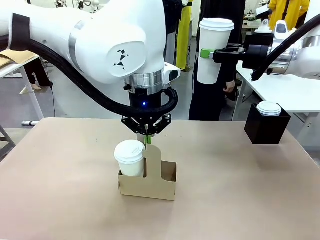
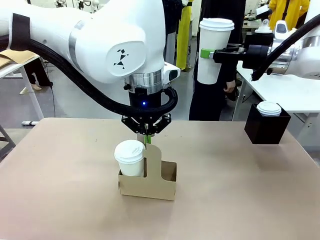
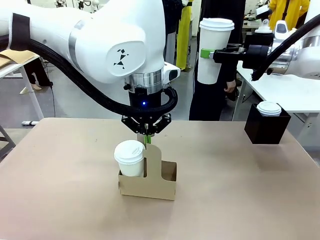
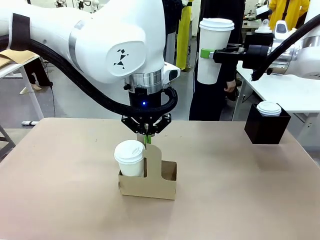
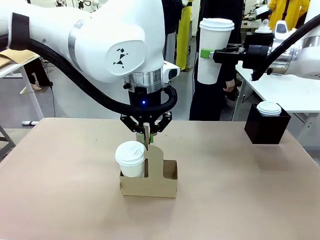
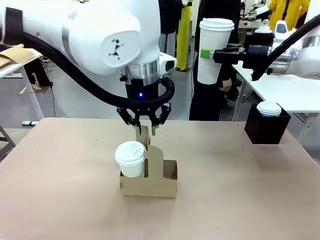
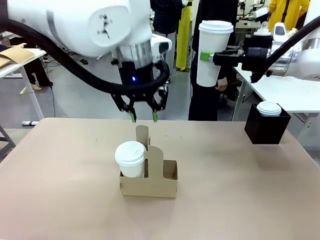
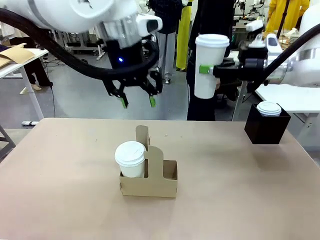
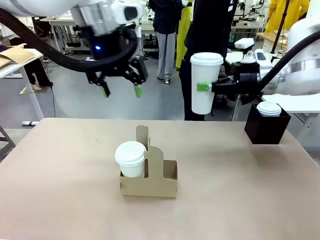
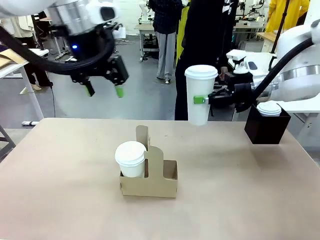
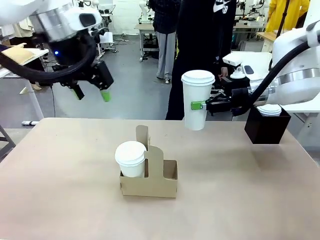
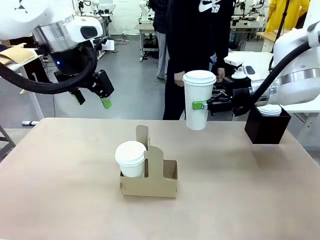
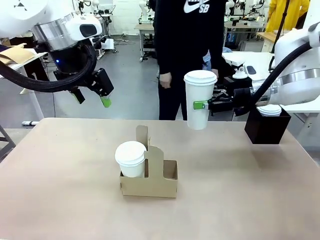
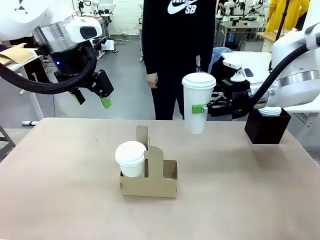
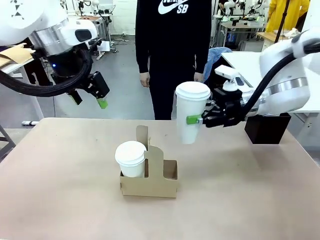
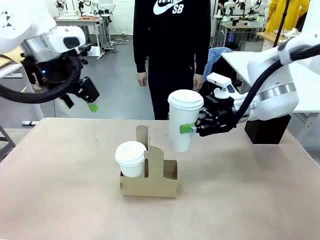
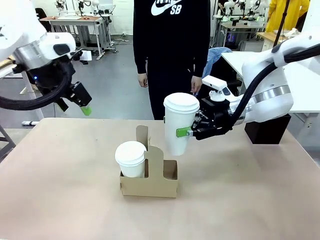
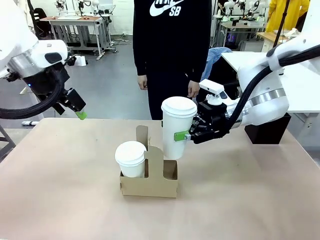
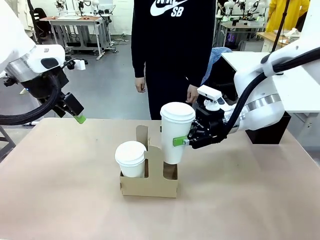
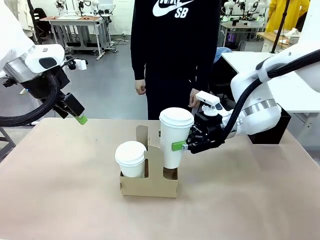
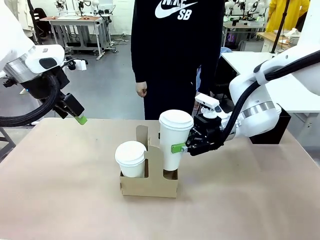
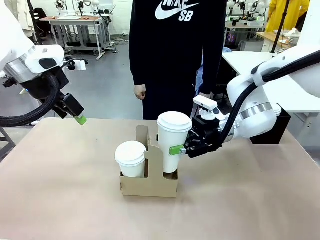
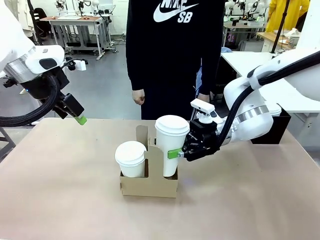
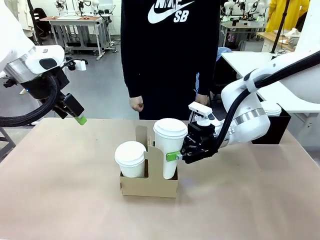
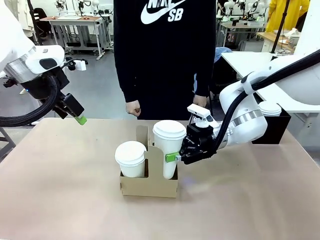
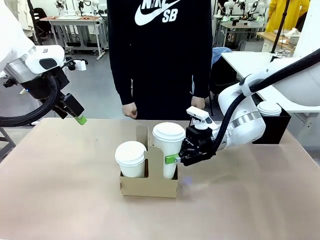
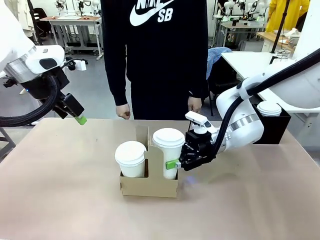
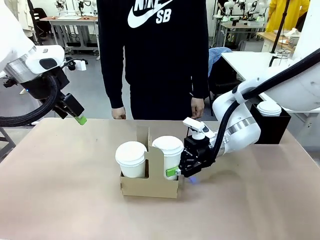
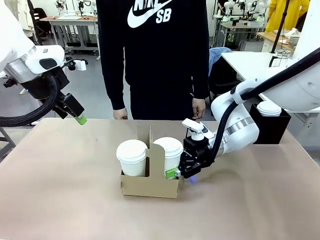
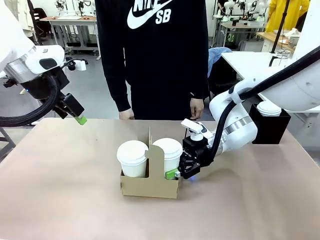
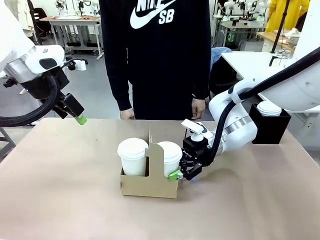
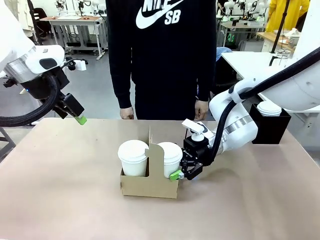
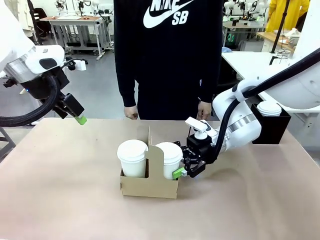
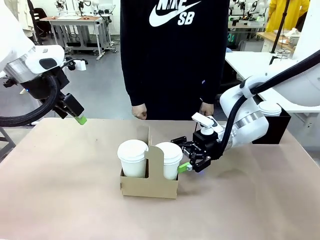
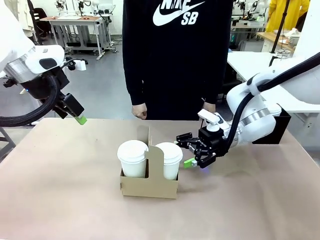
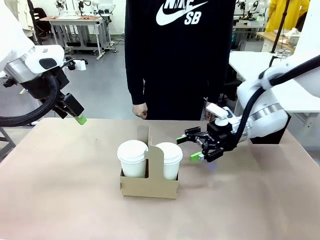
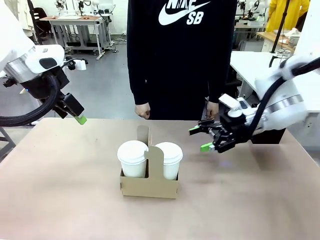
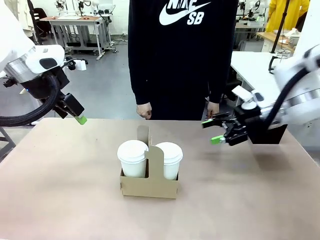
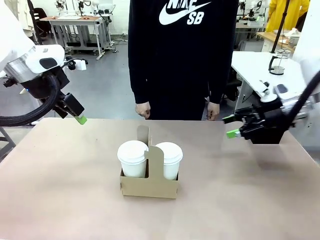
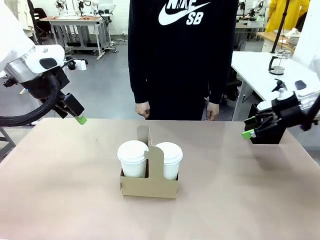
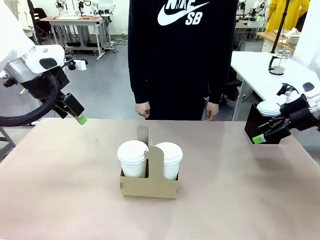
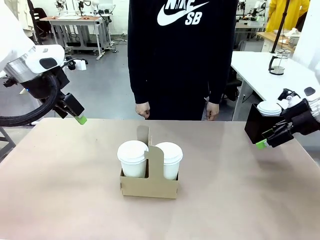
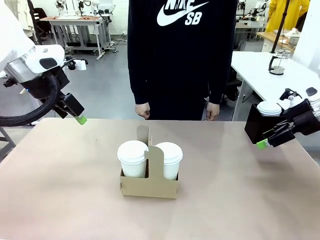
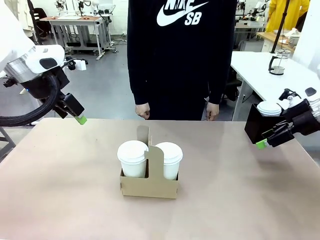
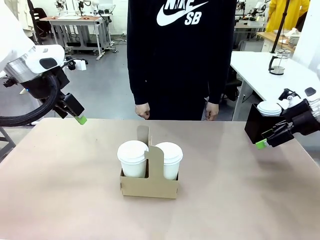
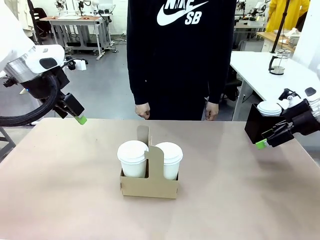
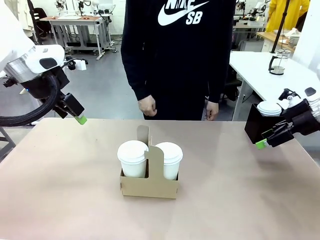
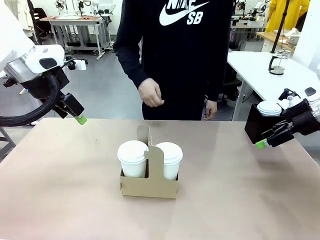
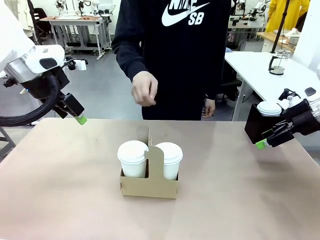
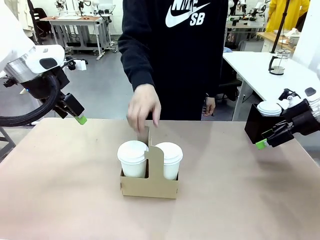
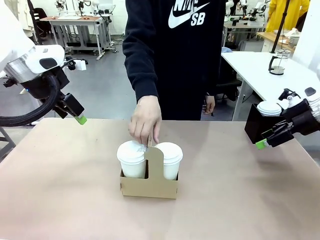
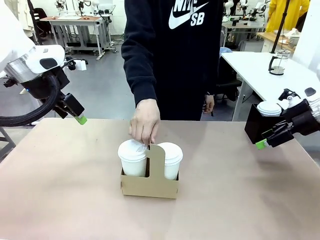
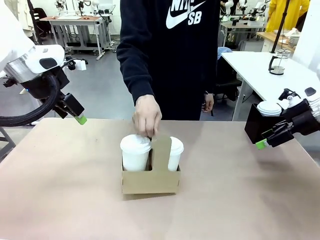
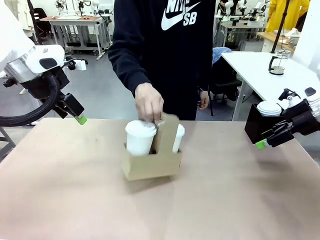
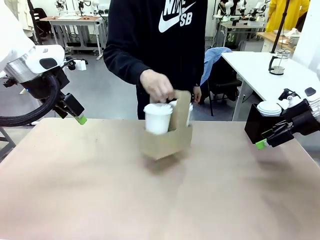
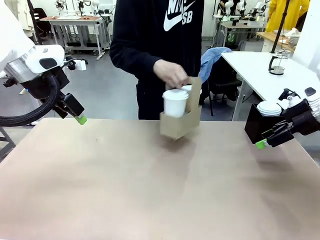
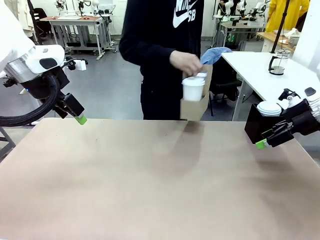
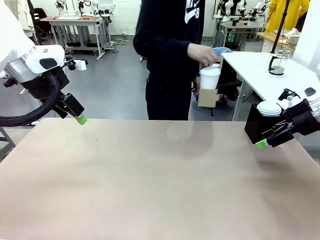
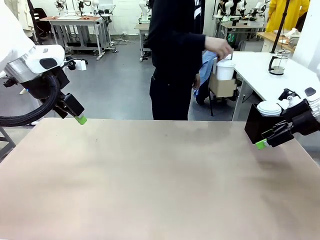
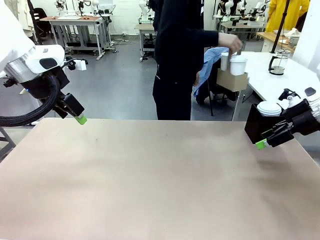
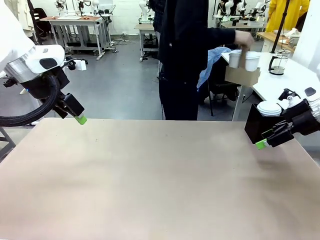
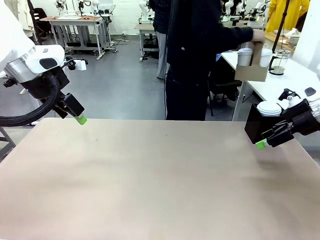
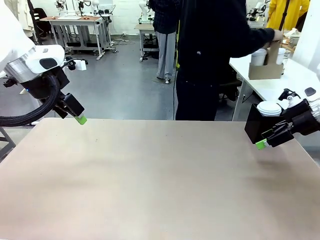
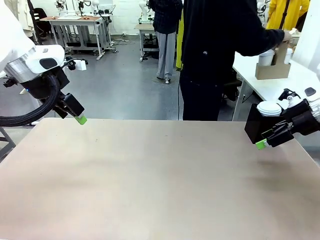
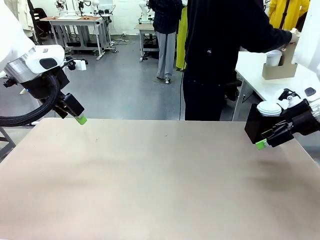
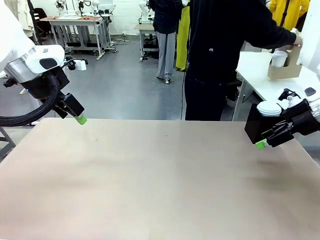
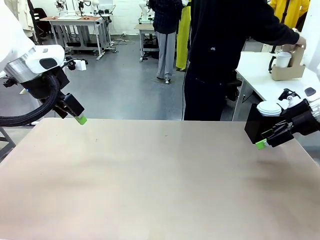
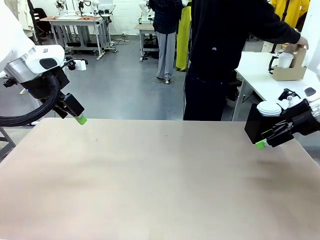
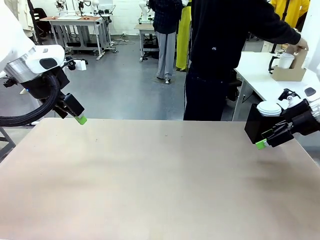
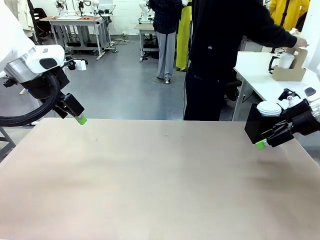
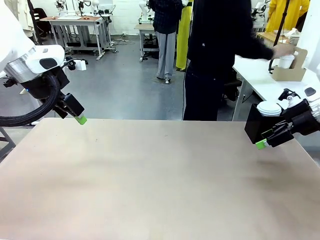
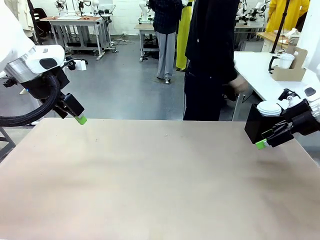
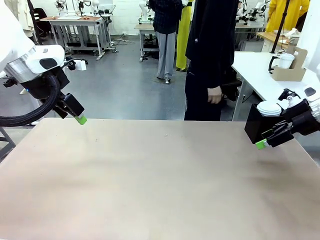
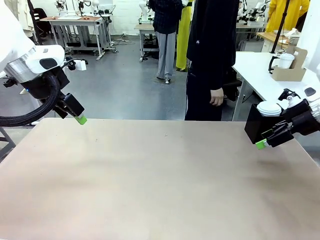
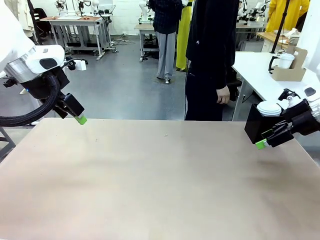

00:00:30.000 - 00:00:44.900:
Task: Pour a drink into a cup and package it in a carrier.
Robot: Insert the held 600 ml Paper Cup into the Cup Carrier.
Person: Place the Cup Carrier to the middle of Human table.
